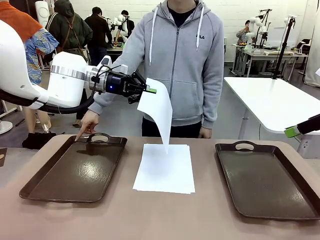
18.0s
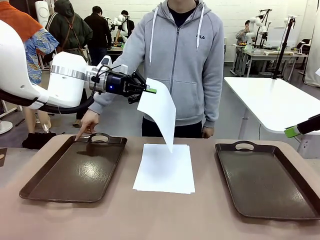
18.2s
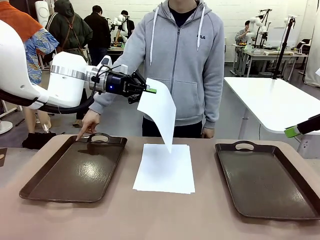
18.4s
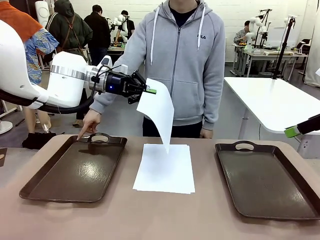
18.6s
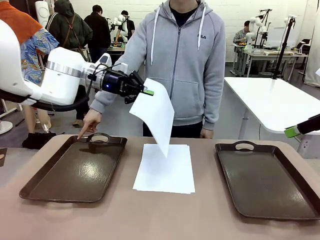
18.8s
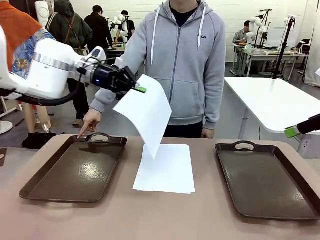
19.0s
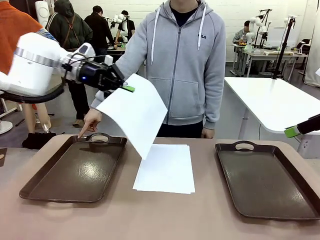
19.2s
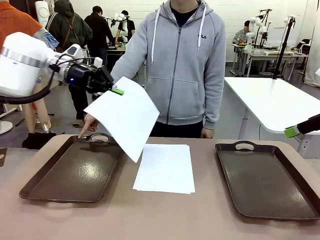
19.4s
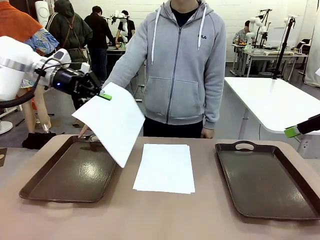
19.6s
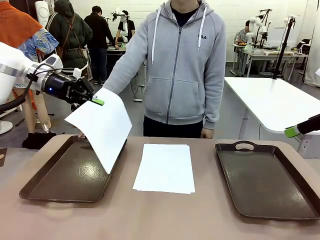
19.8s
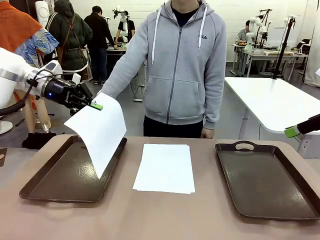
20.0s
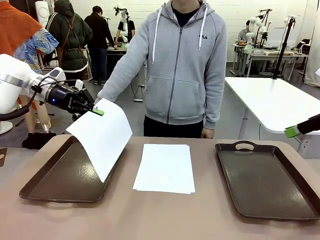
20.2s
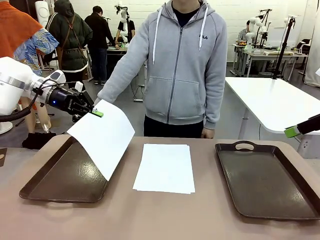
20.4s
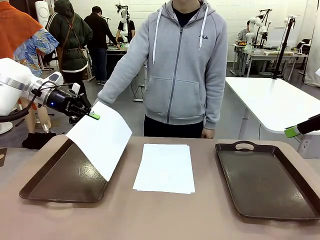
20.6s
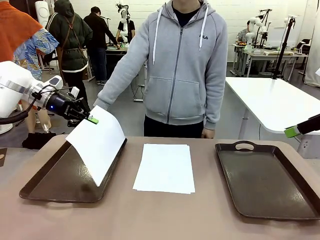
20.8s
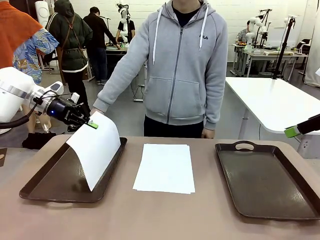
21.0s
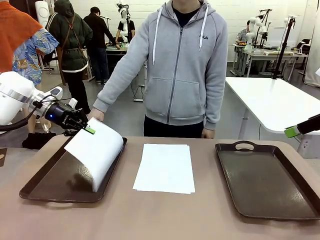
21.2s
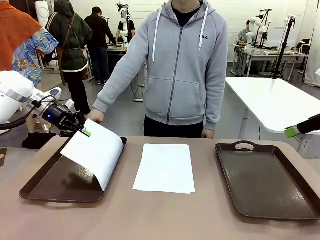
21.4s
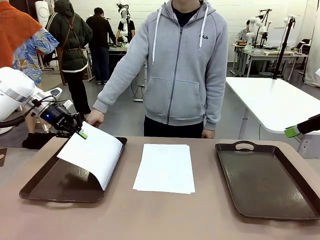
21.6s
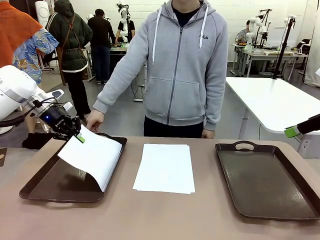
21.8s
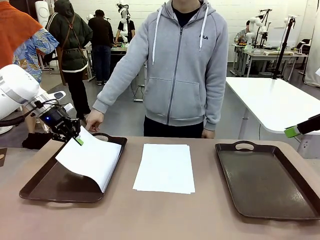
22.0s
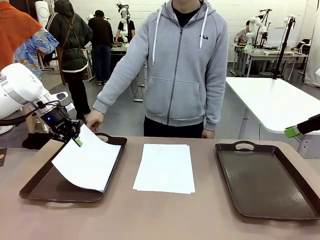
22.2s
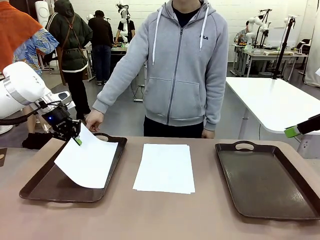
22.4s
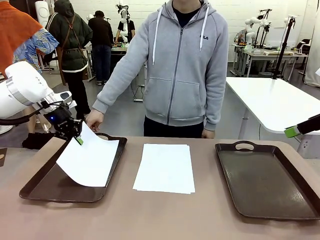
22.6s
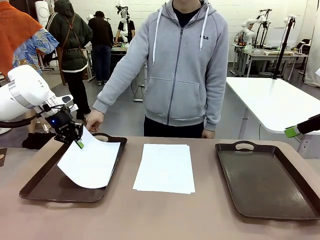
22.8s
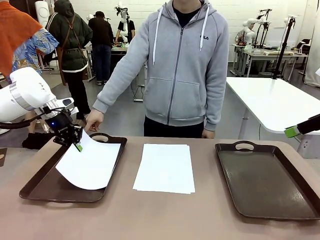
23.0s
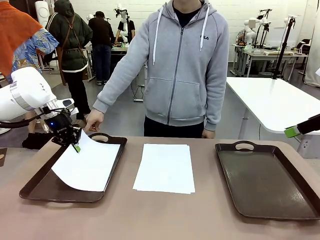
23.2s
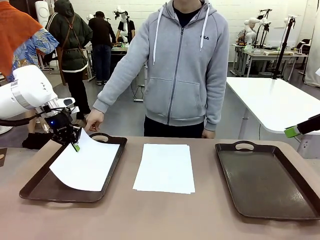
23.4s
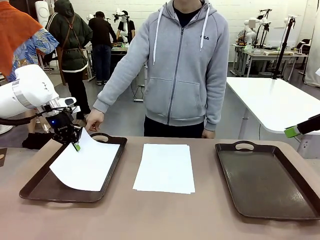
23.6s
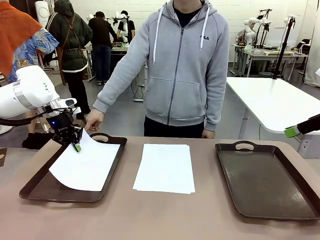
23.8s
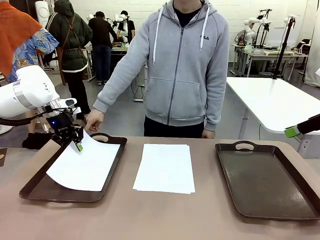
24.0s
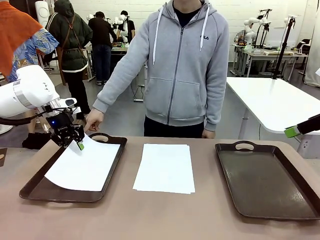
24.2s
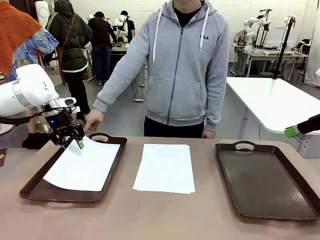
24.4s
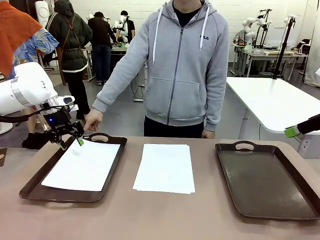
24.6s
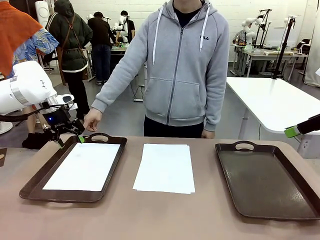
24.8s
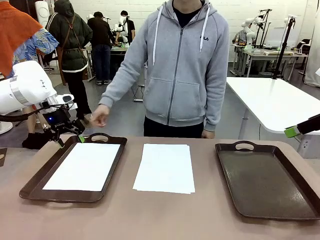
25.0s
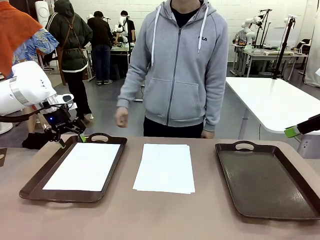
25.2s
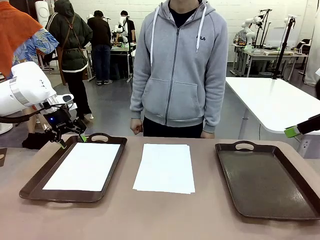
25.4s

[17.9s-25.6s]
Task: Sort the A4 documents.
Robot: Place the A4 Paper in the designated Handle tray.

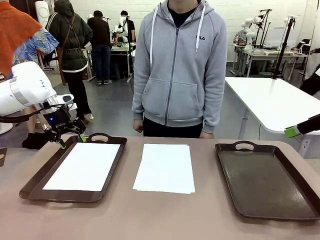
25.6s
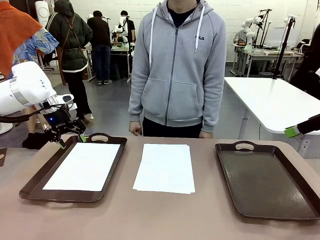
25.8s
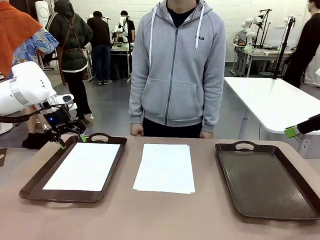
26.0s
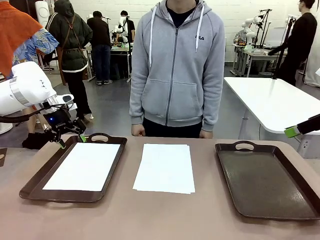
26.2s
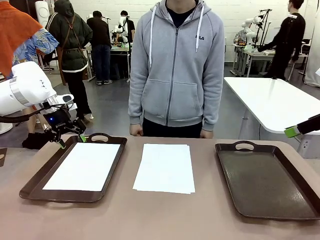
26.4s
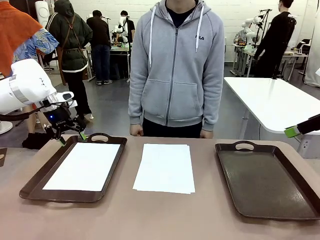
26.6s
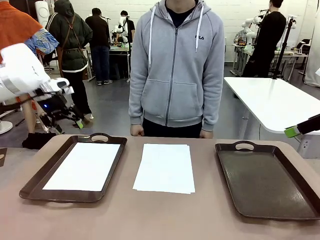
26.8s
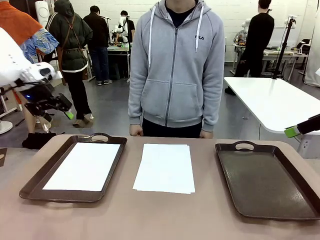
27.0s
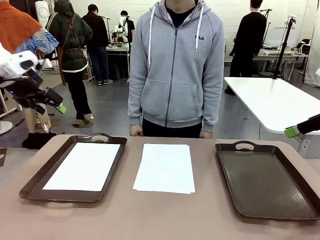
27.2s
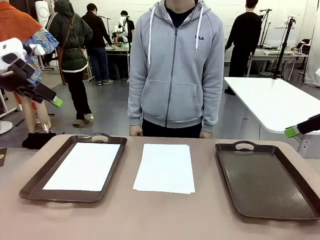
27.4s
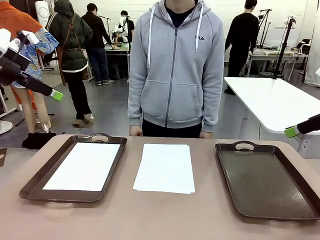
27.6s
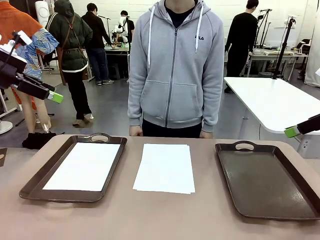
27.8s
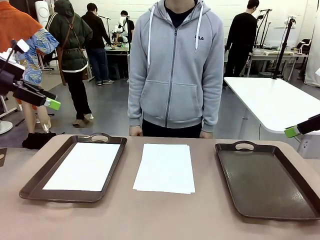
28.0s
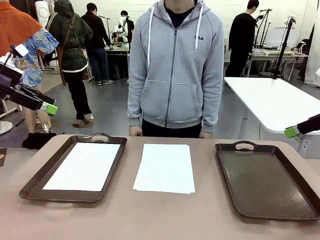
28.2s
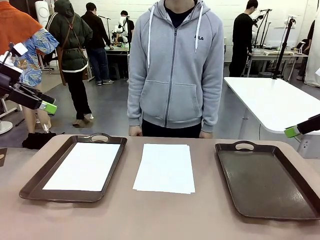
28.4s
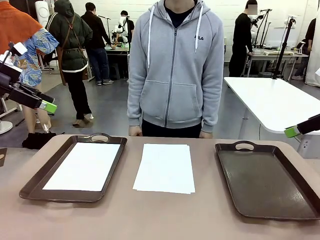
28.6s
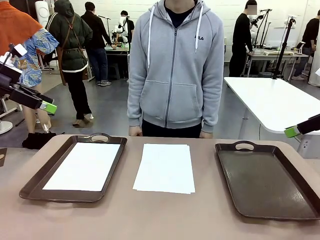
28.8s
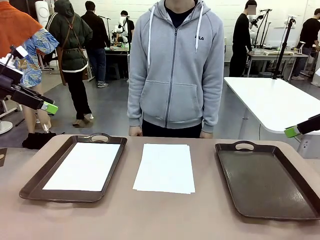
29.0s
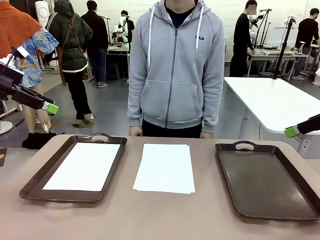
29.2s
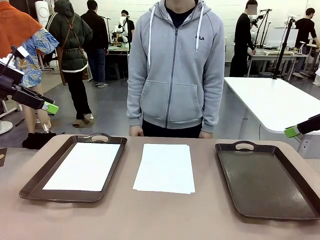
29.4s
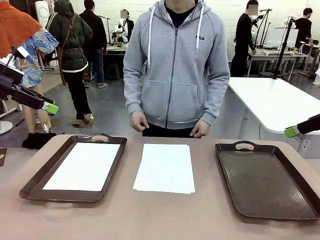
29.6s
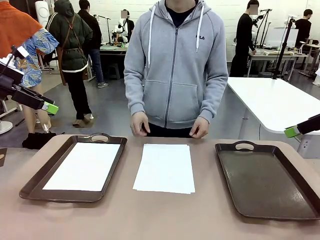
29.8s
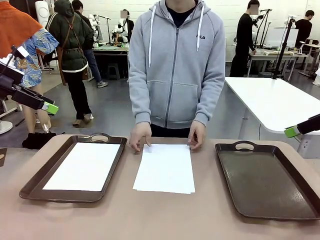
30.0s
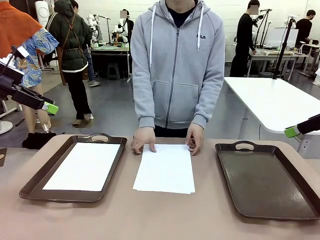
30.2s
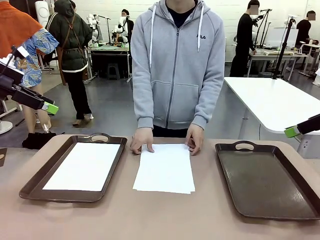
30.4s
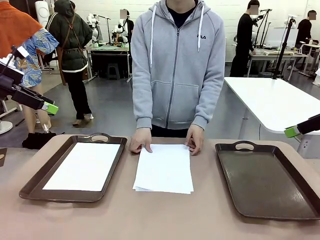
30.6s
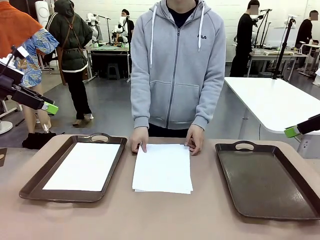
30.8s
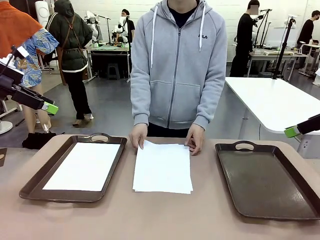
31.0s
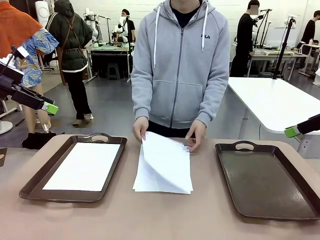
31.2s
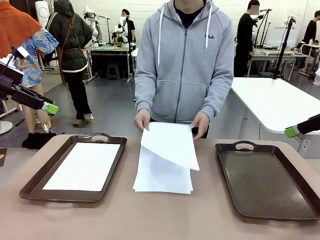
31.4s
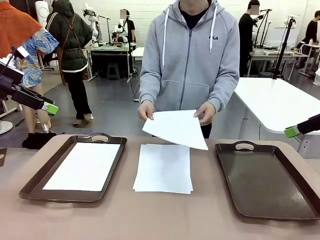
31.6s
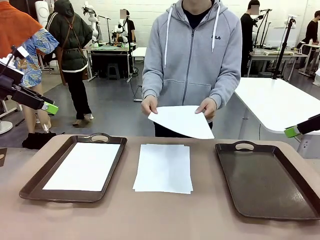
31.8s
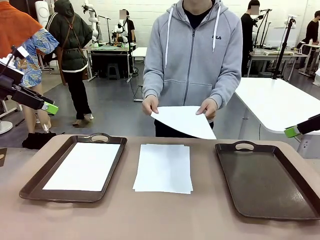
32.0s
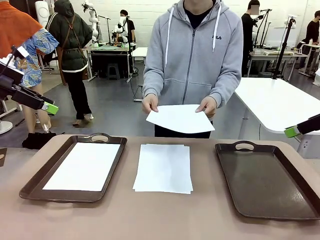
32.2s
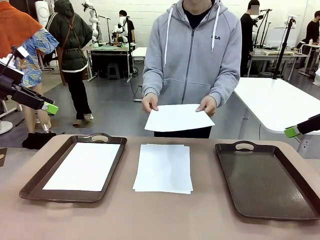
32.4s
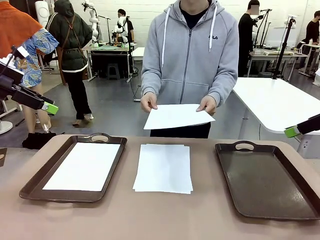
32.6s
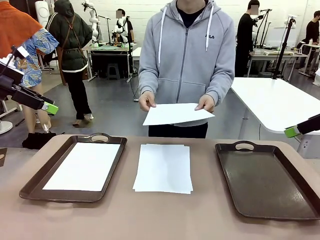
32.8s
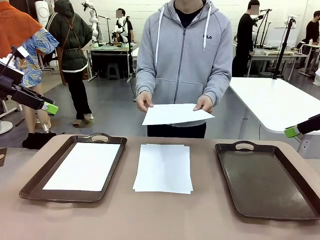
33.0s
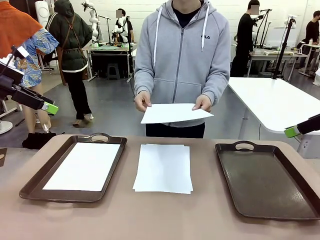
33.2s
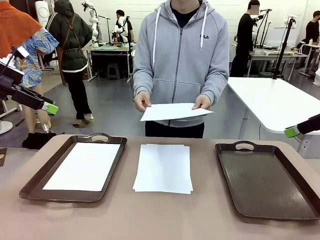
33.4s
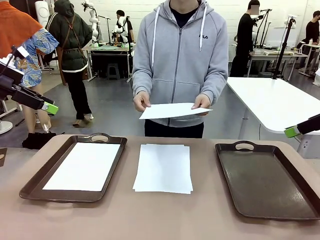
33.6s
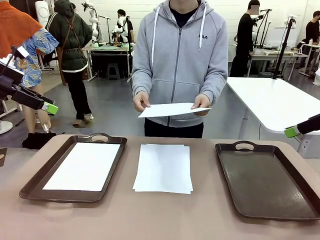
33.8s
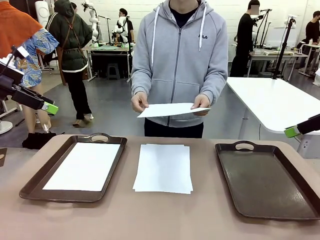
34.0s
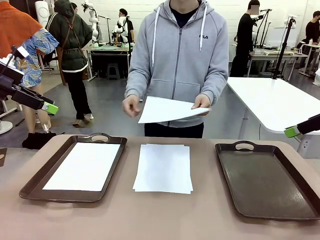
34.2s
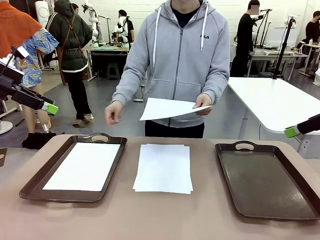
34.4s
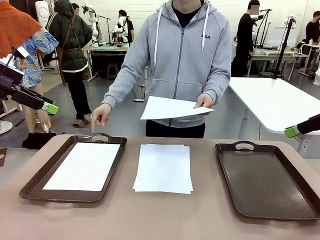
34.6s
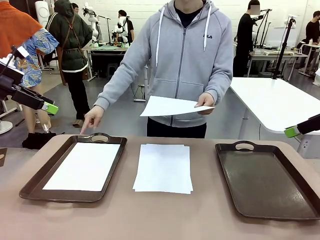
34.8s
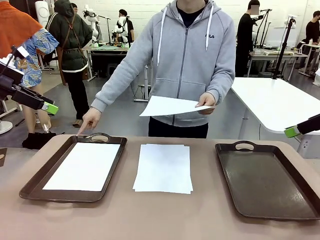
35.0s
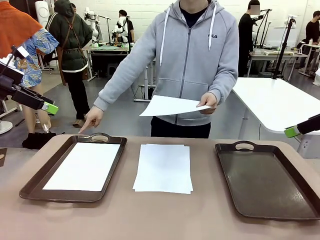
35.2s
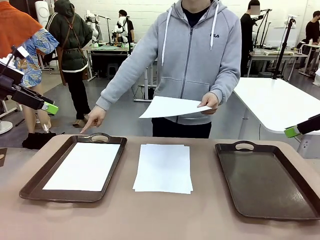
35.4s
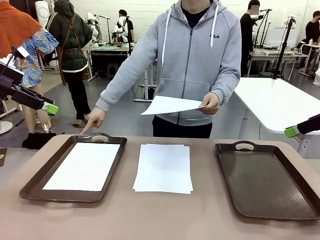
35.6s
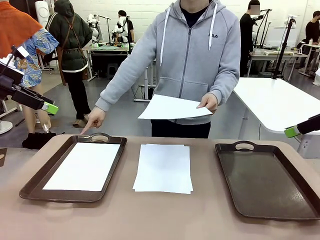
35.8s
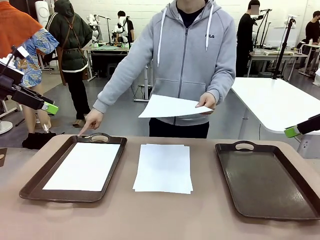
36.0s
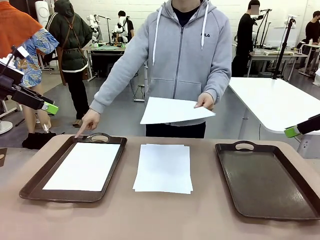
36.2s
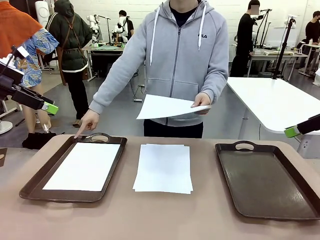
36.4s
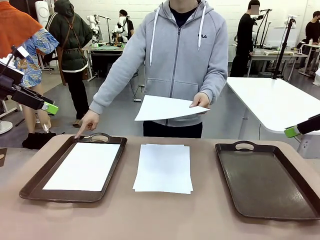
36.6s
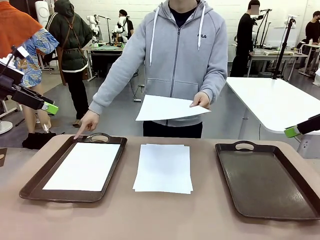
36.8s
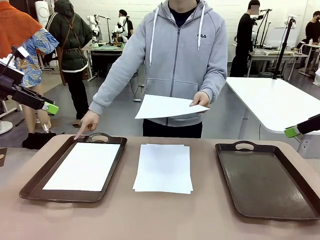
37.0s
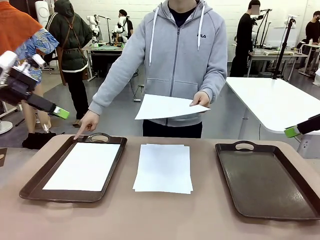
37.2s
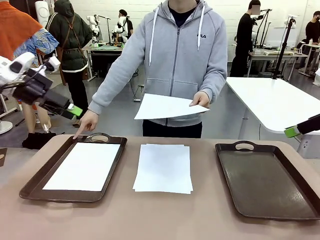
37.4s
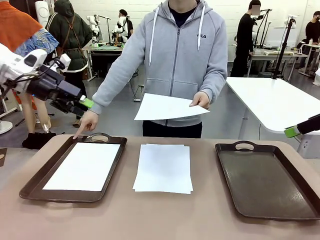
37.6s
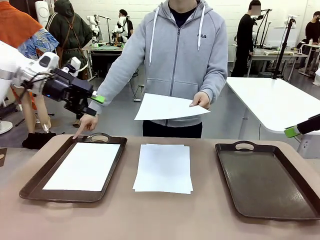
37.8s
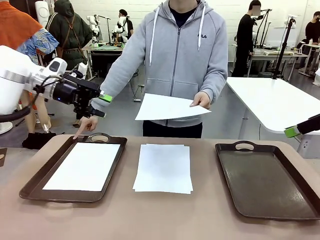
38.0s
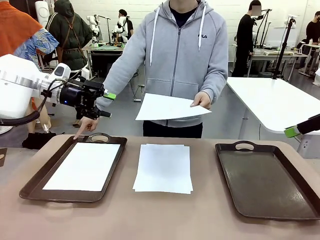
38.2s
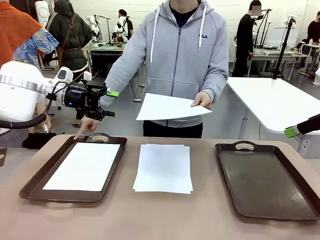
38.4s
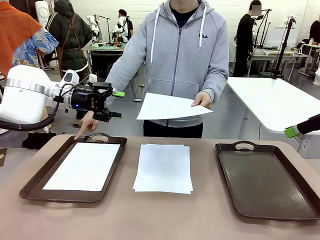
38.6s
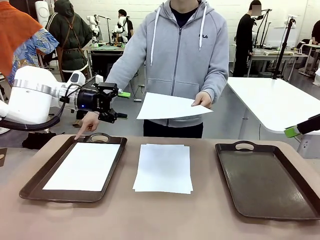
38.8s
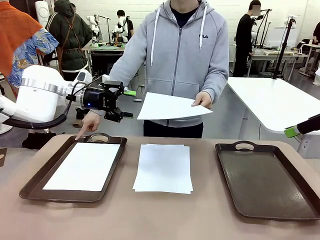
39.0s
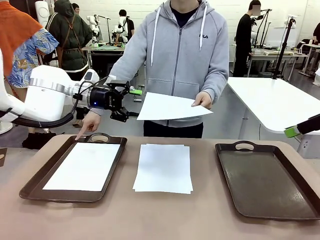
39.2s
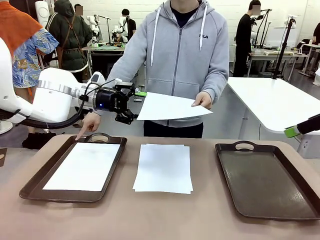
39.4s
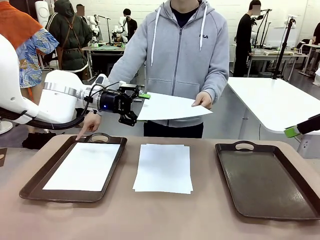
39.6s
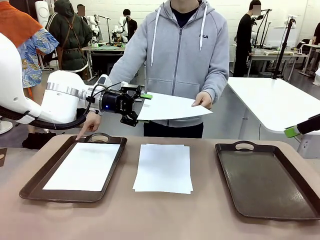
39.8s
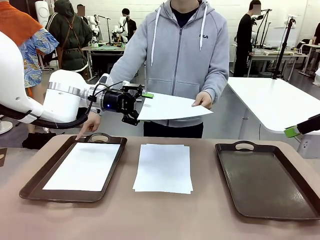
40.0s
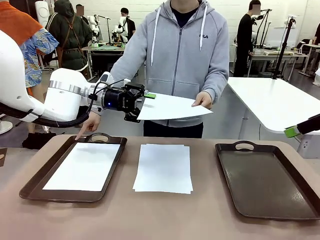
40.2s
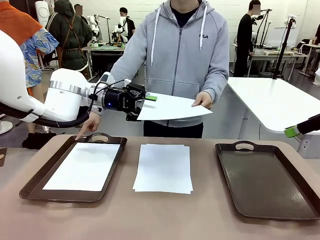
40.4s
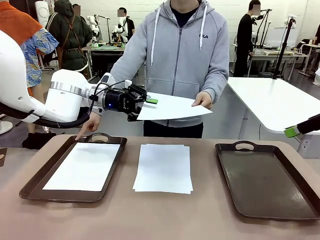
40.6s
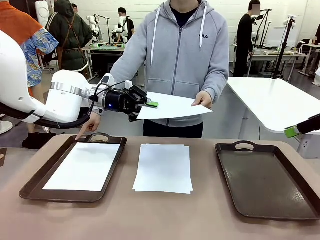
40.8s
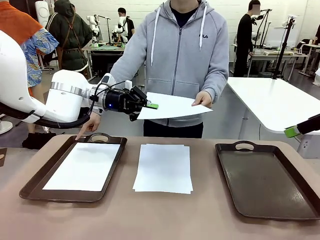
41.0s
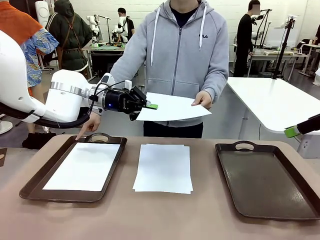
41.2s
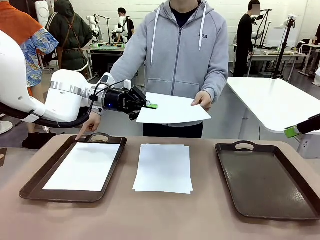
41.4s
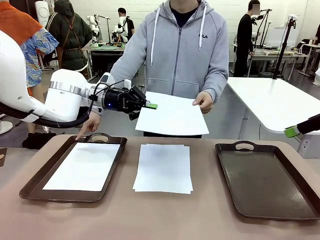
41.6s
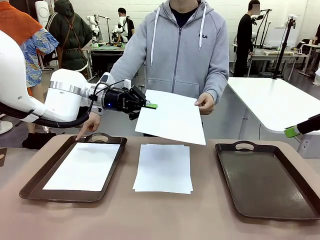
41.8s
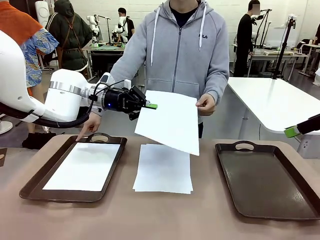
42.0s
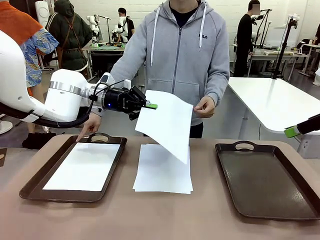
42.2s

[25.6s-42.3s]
Robot: Receive the A4 Paper.
Person: Point the randomly selected tray with the other hand.
